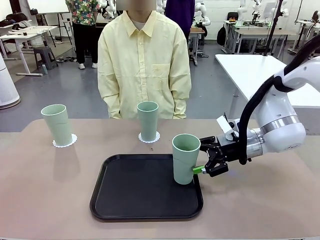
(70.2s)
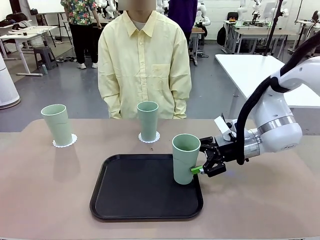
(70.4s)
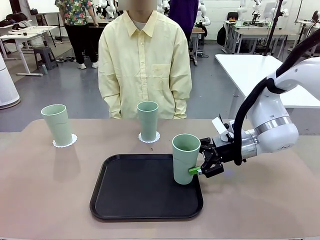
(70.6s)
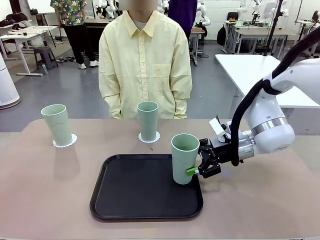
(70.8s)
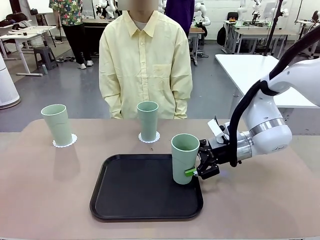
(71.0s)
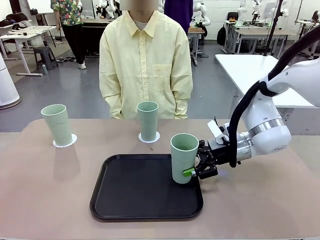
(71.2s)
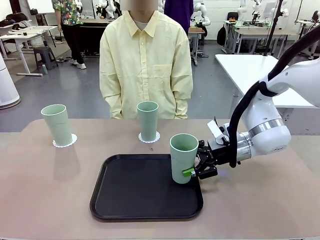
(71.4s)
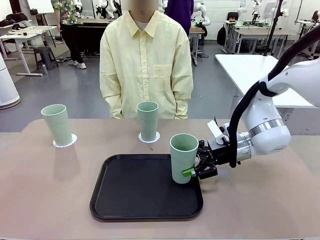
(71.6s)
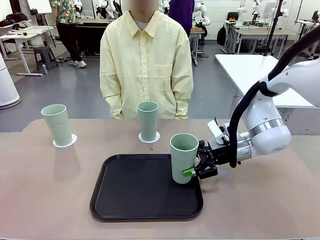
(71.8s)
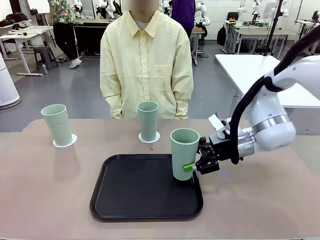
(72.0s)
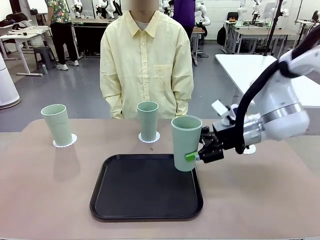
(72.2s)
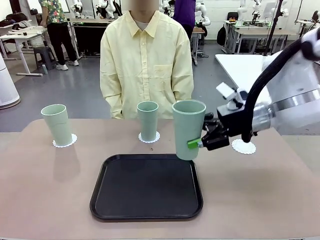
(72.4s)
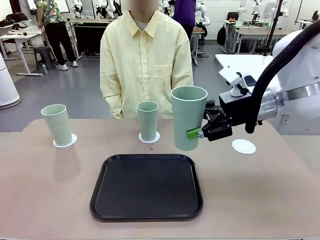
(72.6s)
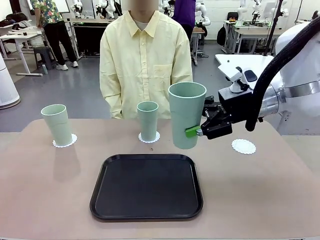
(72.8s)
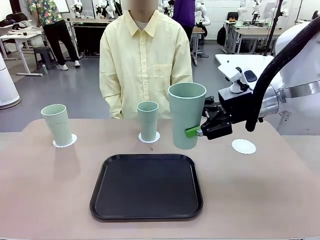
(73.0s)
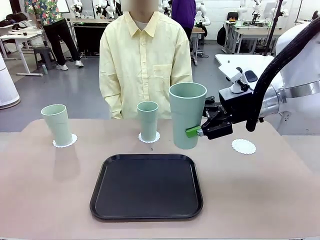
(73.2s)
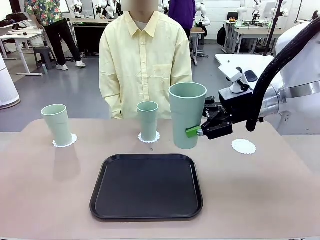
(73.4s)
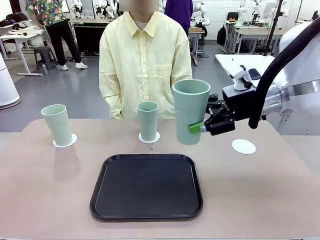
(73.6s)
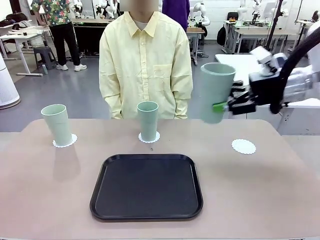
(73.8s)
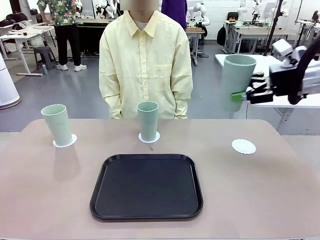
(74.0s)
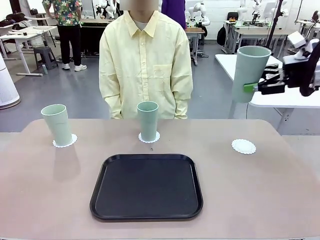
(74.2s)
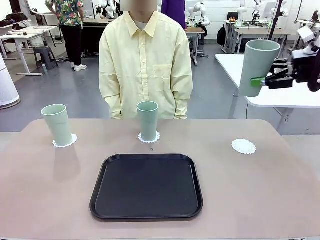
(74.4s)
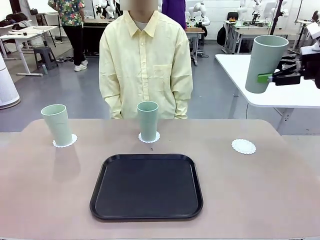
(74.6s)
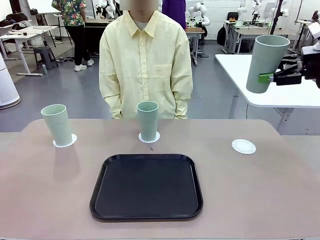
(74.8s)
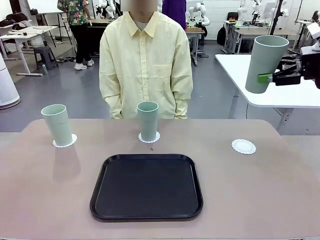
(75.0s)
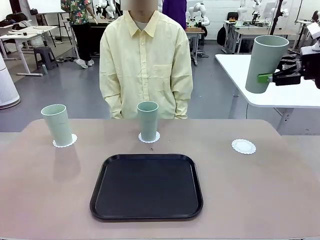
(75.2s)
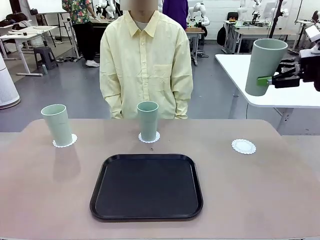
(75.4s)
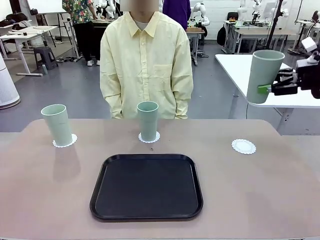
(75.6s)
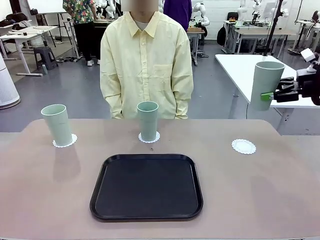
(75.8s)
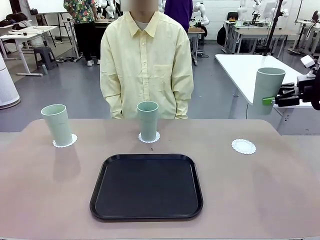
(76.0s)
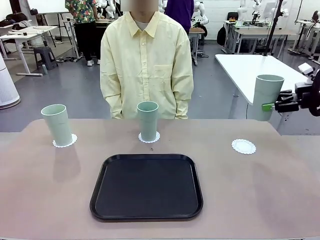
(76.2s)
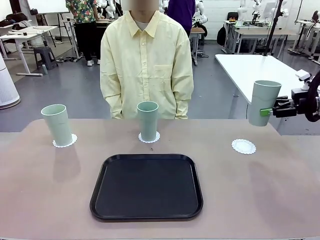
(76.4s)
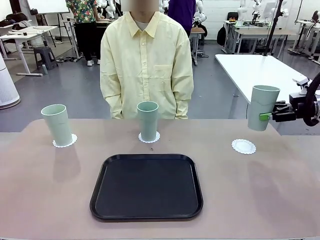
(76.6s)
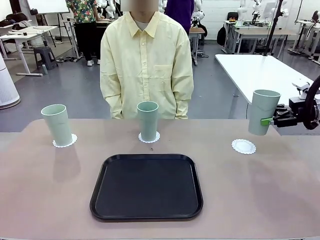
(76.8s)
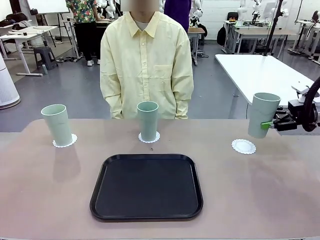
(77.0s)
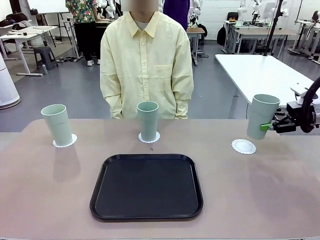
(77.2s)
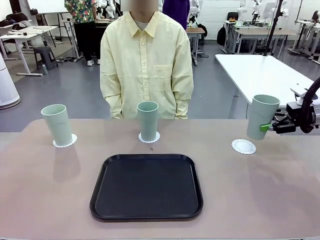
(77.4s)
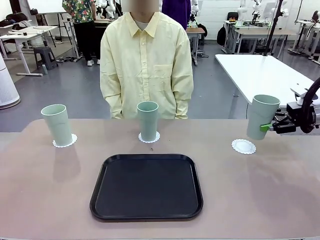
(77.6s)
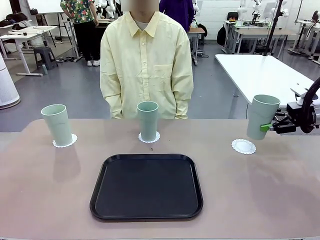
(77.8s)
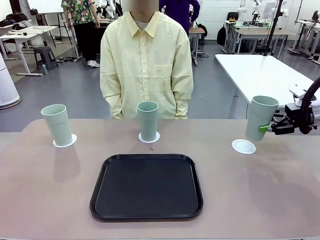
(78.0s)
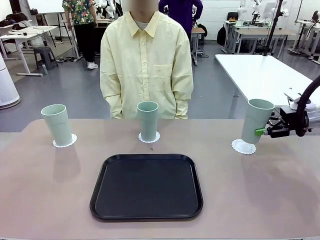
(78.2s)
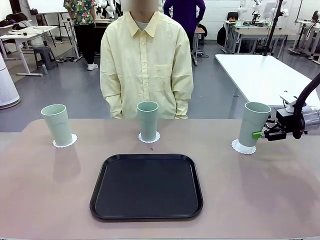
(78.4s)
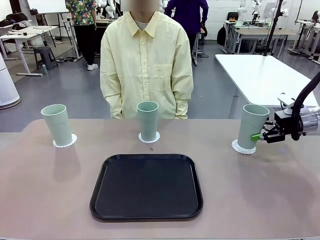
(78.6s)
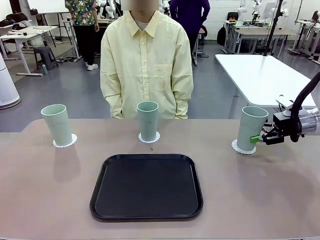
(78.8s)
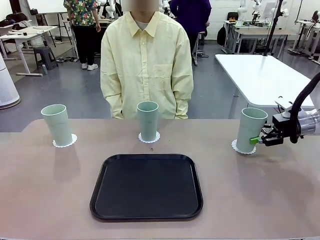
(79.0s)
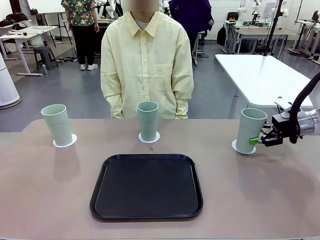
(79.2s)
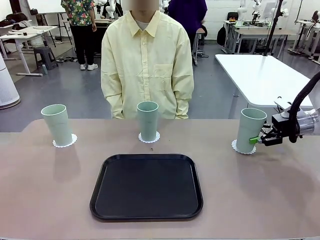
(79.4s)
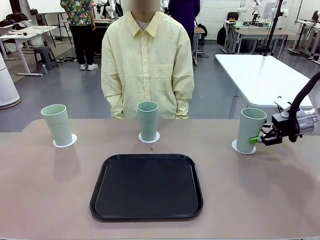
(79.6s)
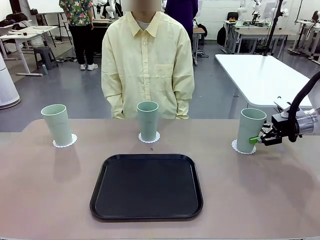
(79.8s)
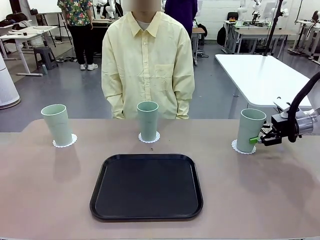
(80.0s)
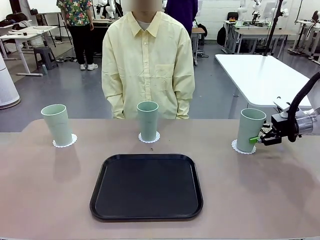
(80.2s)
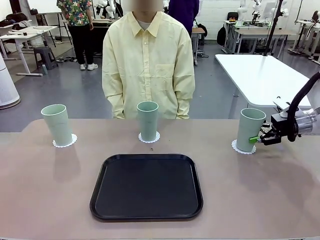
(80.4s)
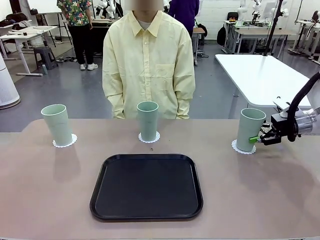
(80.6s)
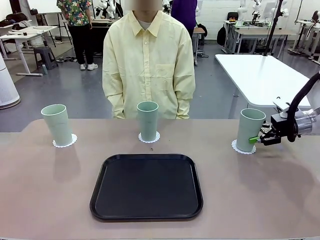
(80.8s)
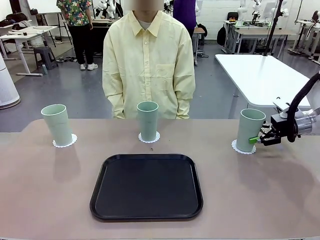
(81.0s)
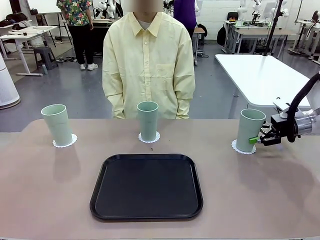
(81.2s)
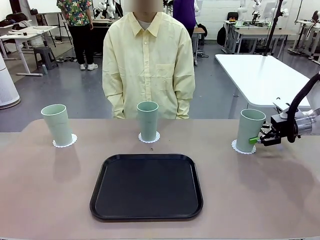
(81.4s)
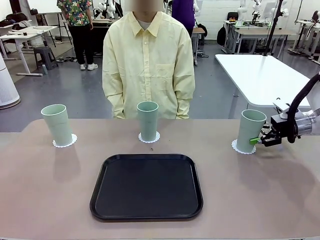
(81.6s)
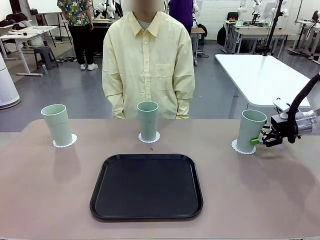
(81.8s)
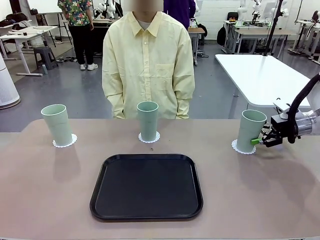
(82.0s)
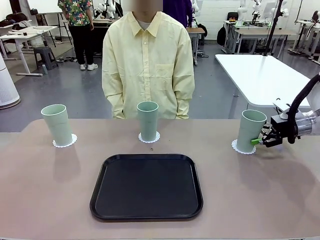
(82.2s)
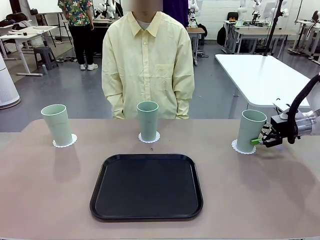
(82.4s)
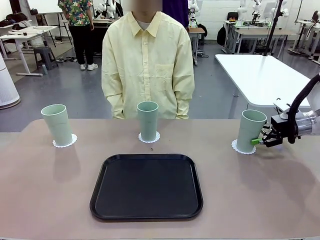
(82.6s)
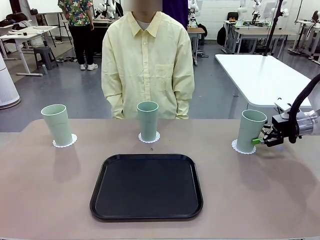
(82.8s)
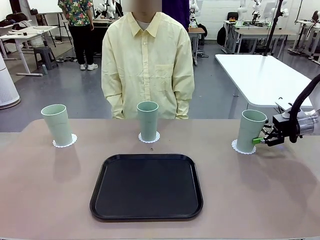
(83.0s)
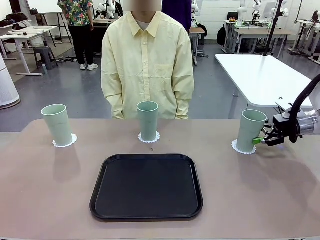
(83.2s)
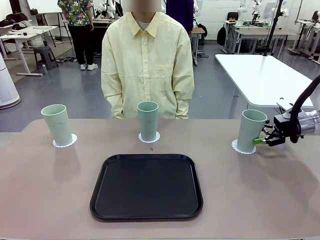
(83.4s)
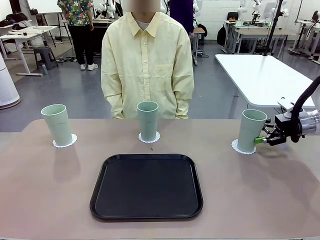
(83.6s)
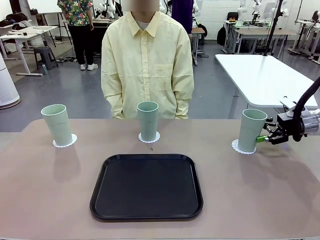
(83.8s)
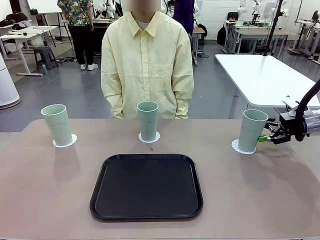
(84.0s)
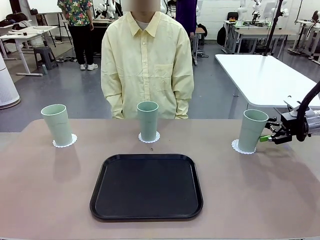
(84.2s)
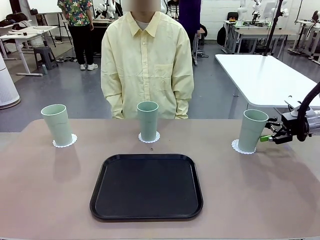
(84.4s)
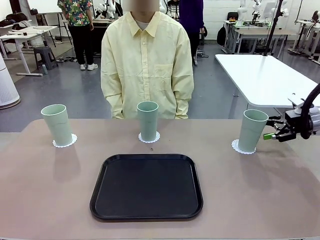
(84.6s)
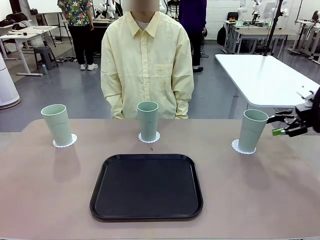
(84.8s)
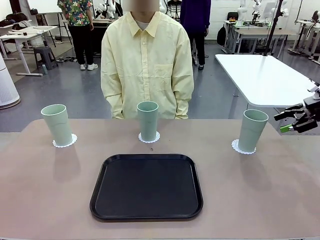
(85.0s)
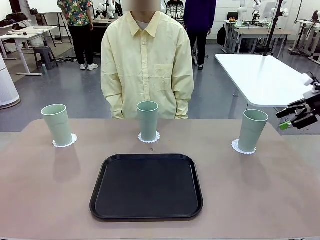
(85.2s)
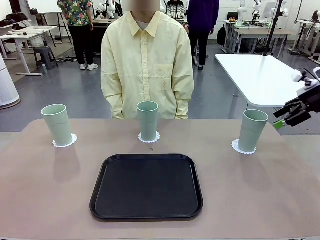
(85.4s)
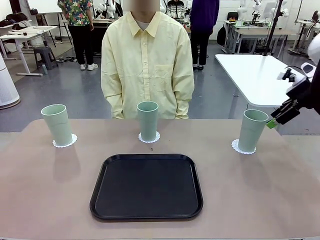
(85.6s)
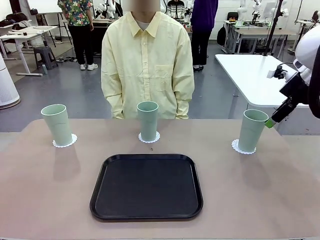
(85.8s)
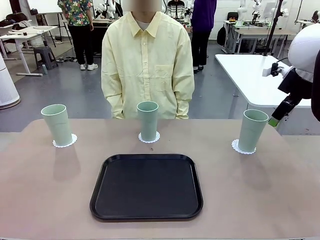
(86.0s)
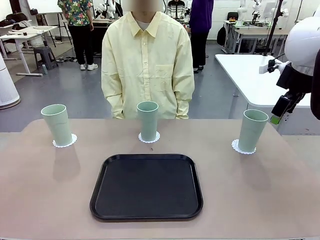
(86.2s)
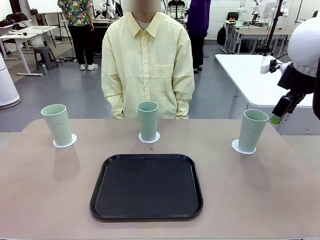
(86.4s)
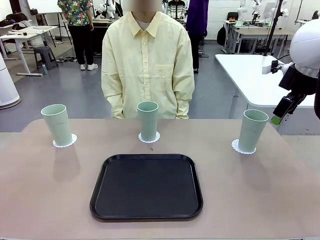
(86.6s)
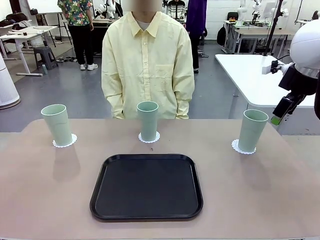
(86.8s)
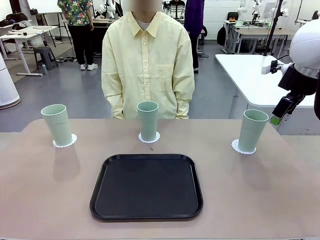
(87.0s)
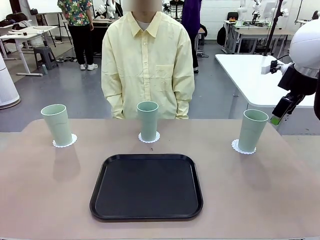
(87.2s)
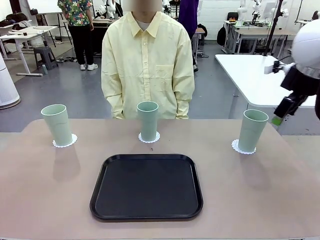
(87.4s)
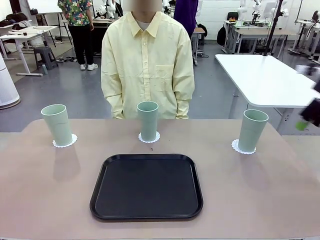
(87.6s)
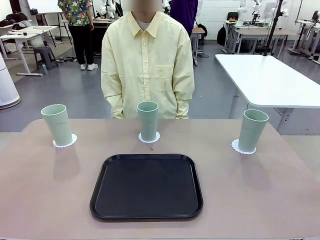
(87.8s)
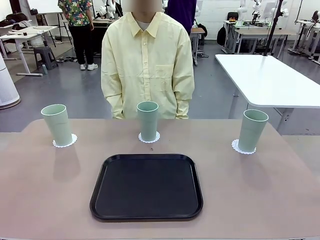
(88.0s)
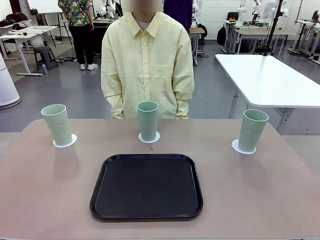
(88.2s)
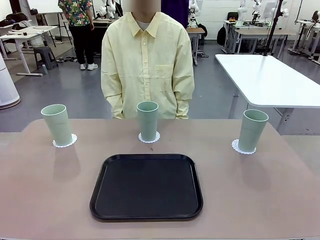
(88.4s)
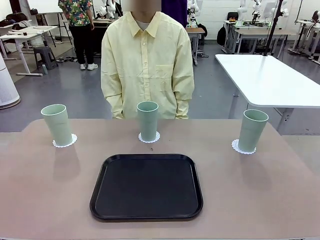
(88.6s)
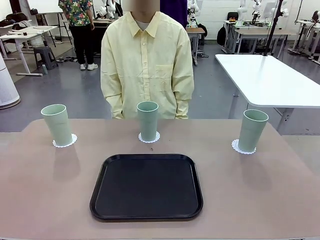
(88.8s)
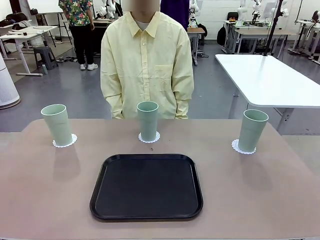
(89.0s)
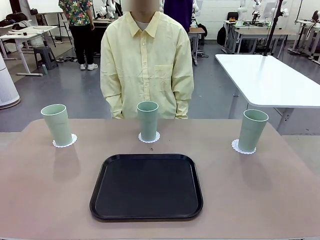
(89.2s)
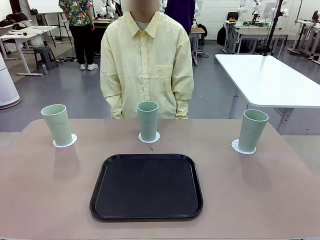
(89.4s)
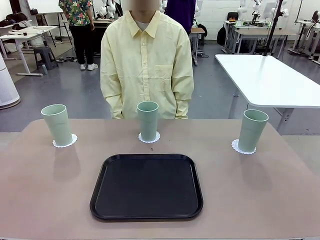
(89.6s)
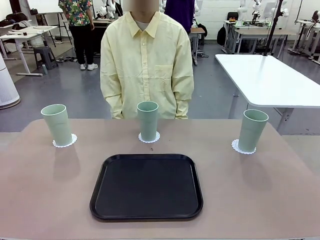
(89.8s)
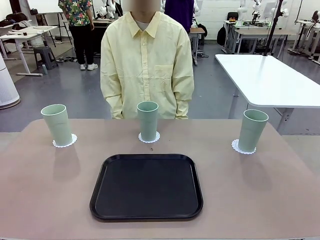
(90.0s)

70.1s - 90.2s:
Task: Place coasters on the table and set cups on them.
Robot: Take one Reusable plastic cup from the Flat Tray and place it on a coaster set by the human.
